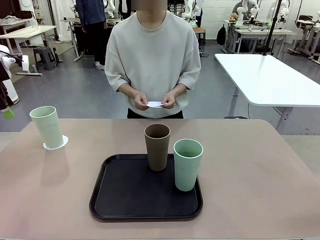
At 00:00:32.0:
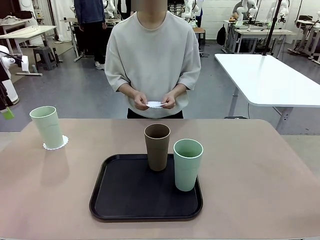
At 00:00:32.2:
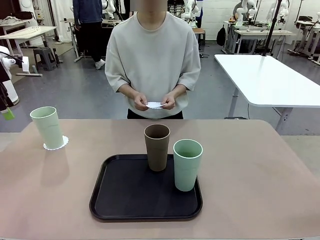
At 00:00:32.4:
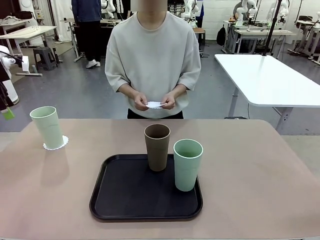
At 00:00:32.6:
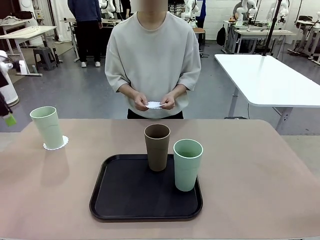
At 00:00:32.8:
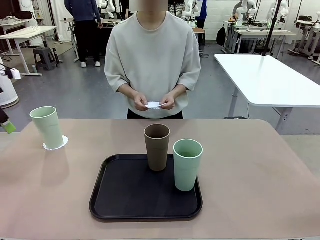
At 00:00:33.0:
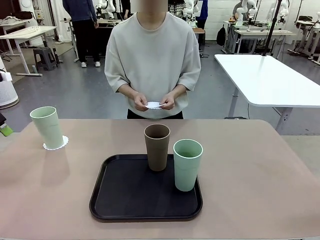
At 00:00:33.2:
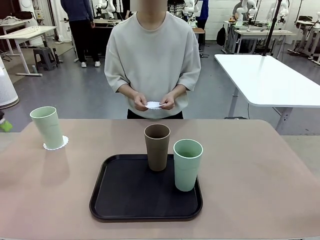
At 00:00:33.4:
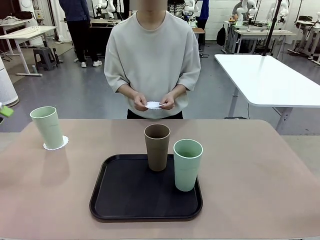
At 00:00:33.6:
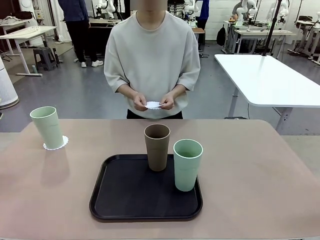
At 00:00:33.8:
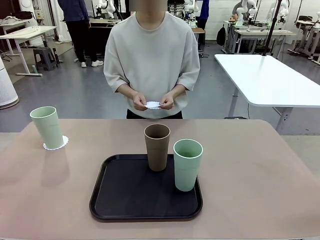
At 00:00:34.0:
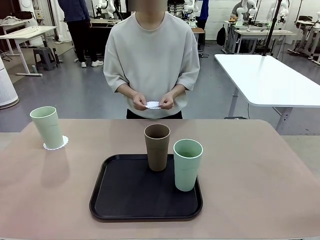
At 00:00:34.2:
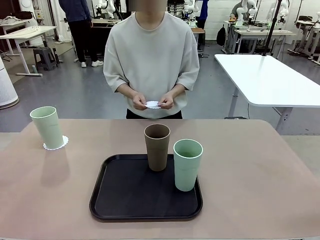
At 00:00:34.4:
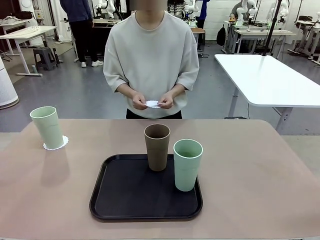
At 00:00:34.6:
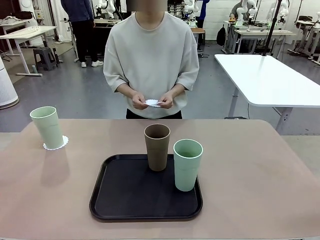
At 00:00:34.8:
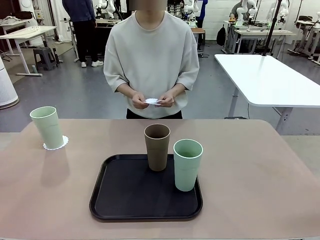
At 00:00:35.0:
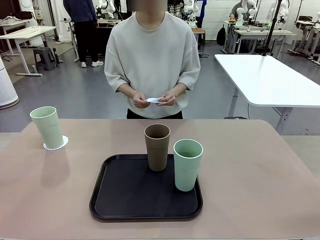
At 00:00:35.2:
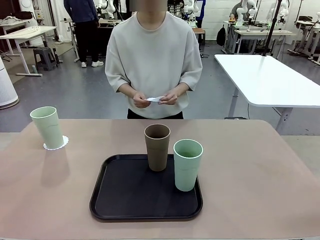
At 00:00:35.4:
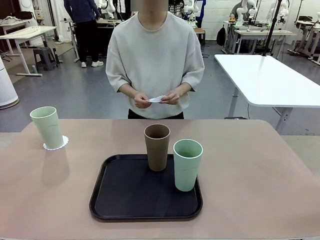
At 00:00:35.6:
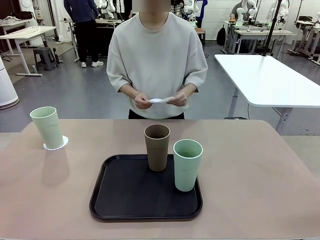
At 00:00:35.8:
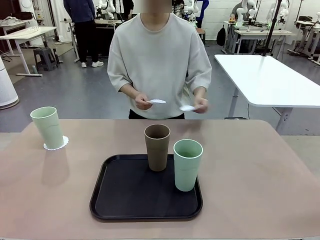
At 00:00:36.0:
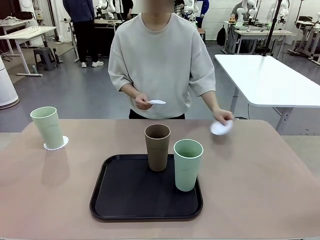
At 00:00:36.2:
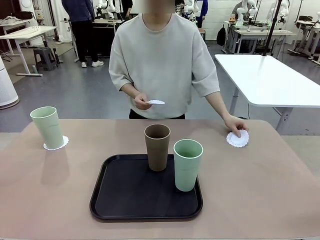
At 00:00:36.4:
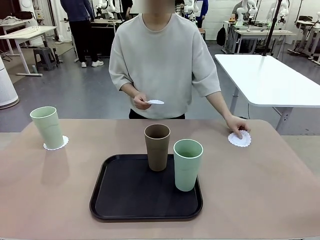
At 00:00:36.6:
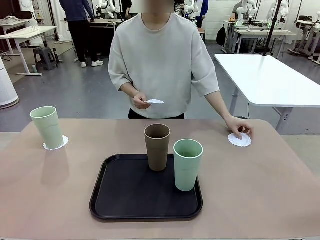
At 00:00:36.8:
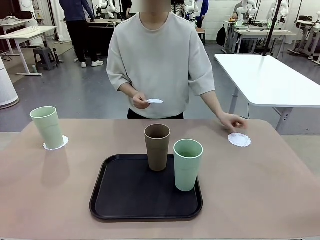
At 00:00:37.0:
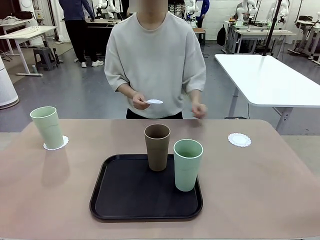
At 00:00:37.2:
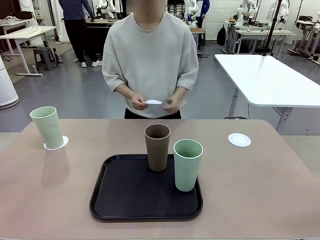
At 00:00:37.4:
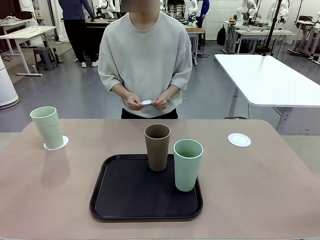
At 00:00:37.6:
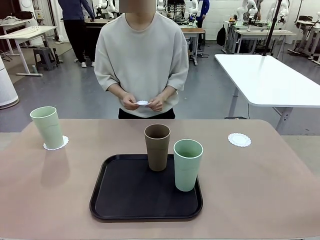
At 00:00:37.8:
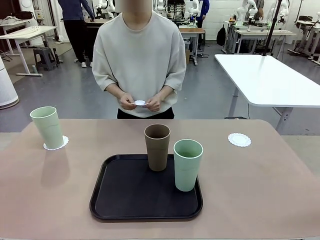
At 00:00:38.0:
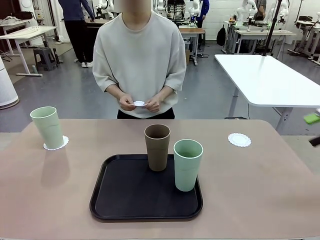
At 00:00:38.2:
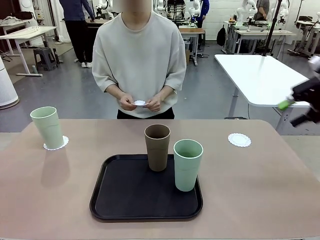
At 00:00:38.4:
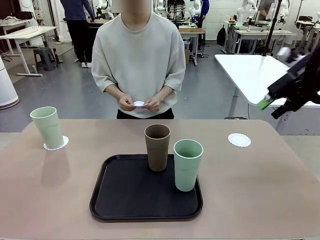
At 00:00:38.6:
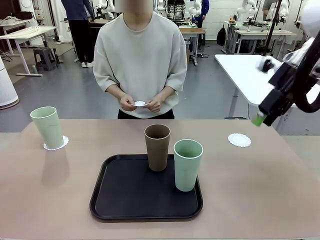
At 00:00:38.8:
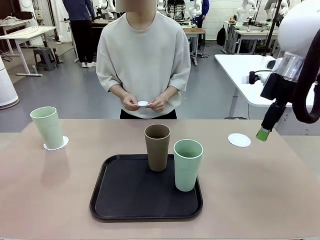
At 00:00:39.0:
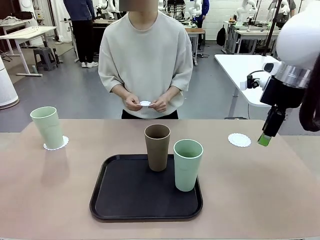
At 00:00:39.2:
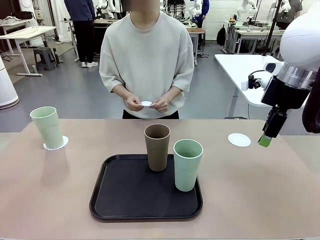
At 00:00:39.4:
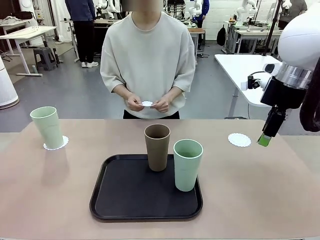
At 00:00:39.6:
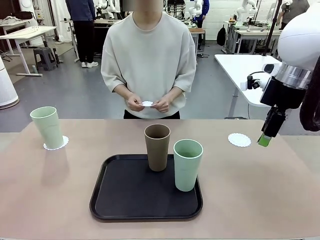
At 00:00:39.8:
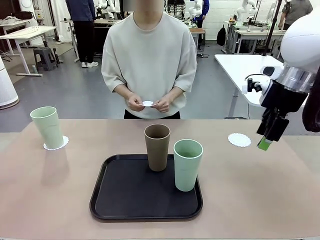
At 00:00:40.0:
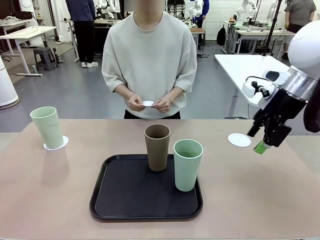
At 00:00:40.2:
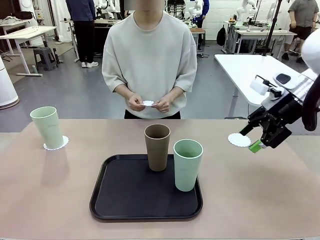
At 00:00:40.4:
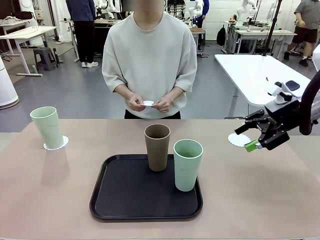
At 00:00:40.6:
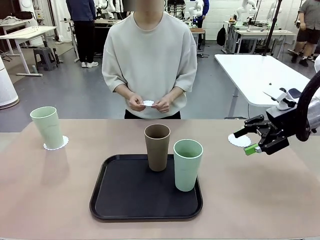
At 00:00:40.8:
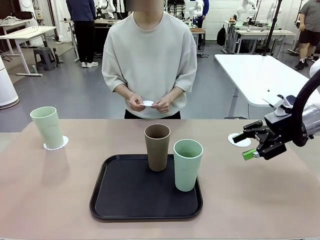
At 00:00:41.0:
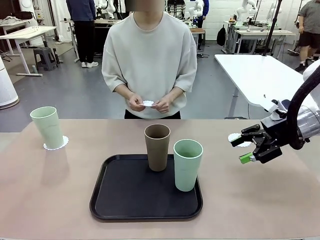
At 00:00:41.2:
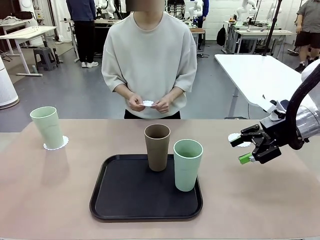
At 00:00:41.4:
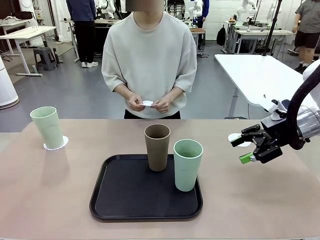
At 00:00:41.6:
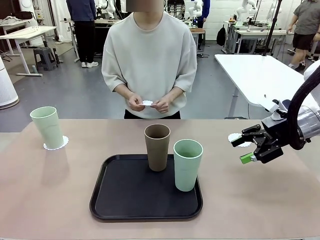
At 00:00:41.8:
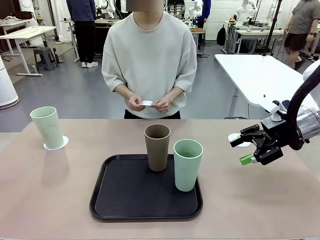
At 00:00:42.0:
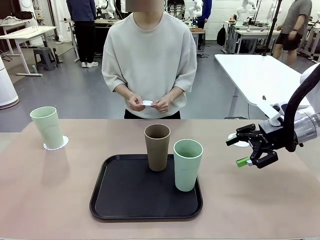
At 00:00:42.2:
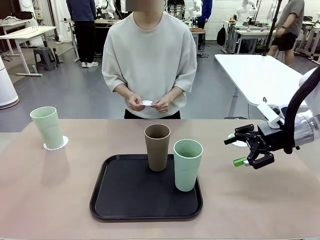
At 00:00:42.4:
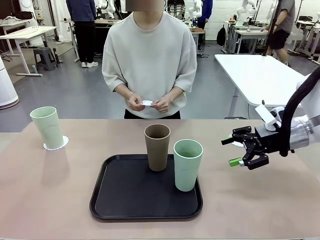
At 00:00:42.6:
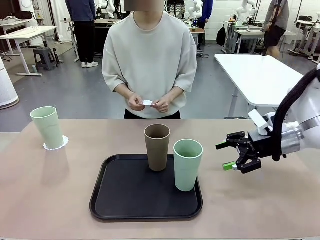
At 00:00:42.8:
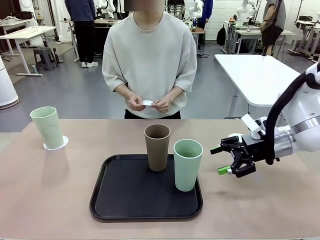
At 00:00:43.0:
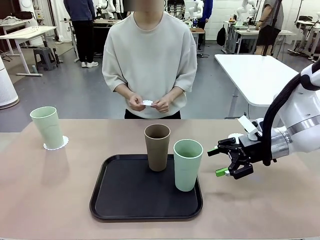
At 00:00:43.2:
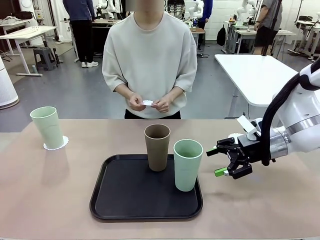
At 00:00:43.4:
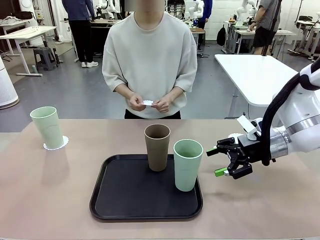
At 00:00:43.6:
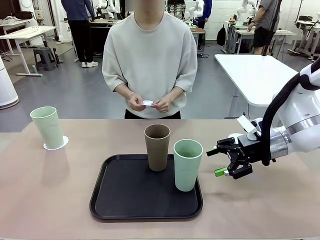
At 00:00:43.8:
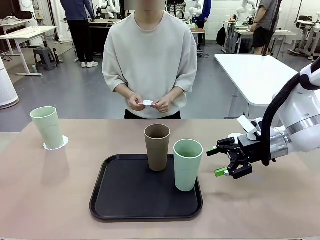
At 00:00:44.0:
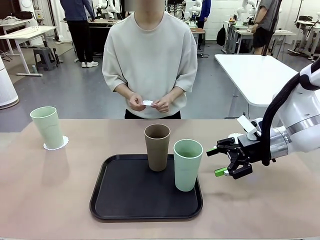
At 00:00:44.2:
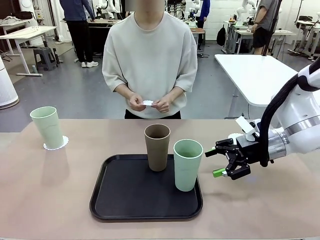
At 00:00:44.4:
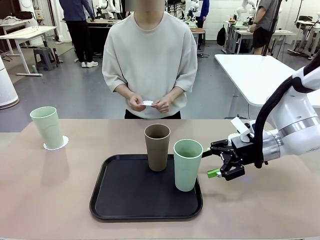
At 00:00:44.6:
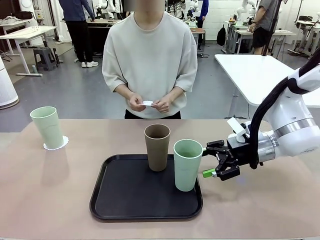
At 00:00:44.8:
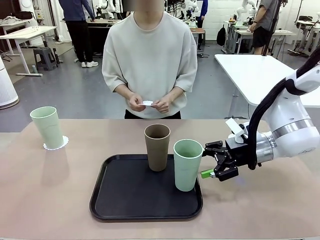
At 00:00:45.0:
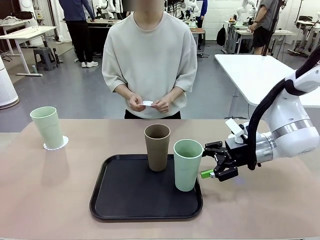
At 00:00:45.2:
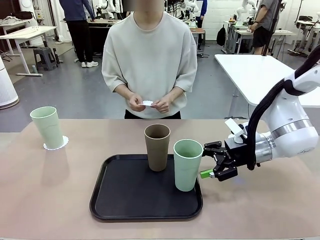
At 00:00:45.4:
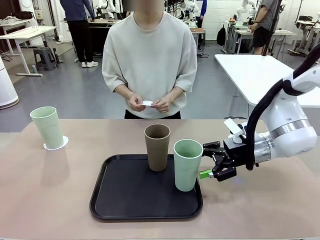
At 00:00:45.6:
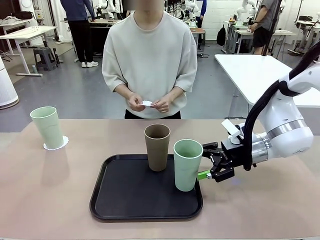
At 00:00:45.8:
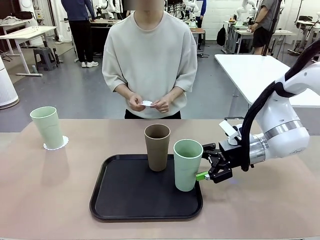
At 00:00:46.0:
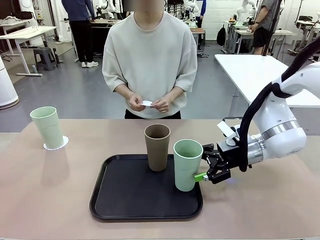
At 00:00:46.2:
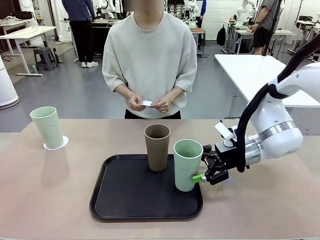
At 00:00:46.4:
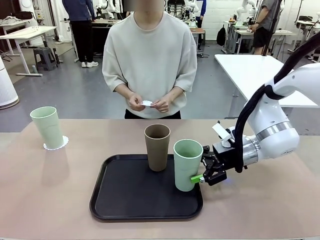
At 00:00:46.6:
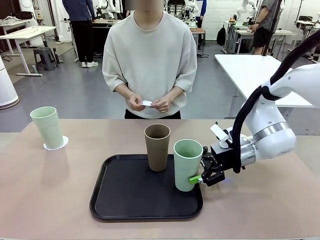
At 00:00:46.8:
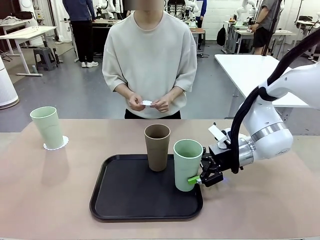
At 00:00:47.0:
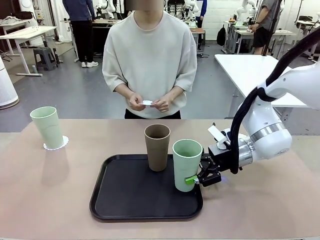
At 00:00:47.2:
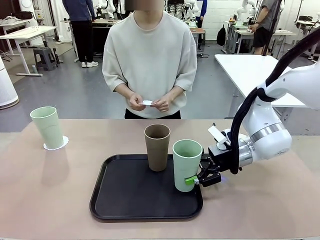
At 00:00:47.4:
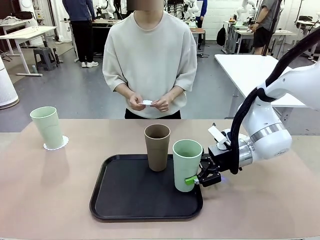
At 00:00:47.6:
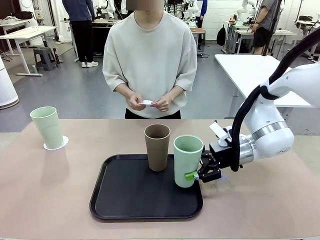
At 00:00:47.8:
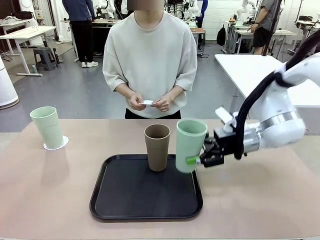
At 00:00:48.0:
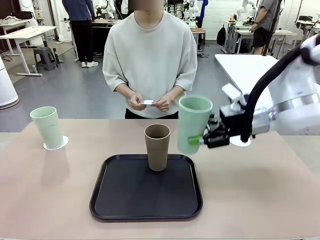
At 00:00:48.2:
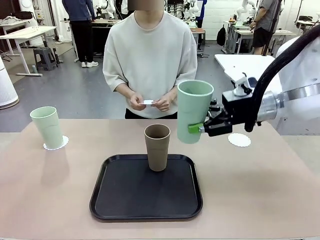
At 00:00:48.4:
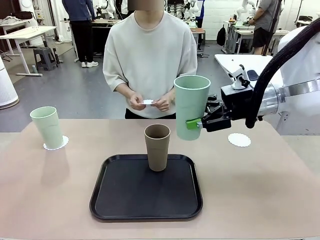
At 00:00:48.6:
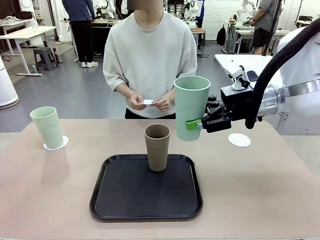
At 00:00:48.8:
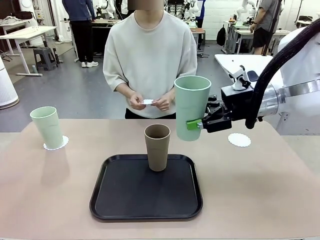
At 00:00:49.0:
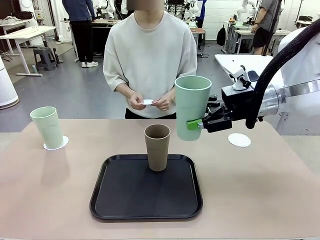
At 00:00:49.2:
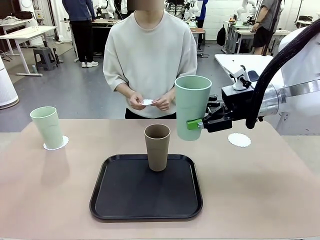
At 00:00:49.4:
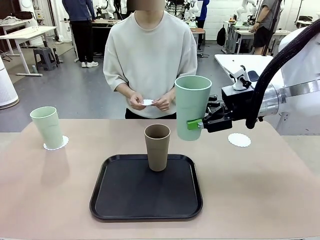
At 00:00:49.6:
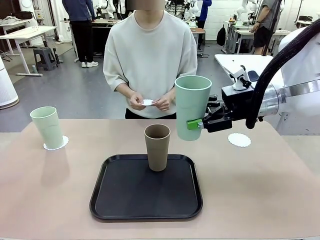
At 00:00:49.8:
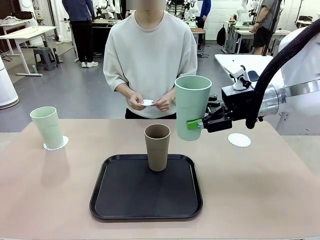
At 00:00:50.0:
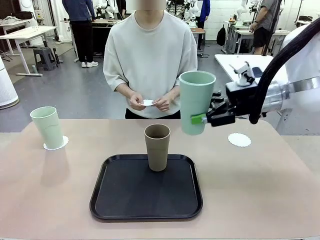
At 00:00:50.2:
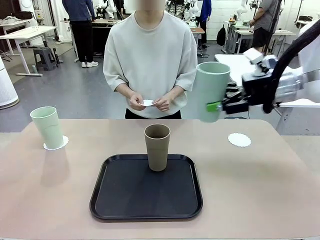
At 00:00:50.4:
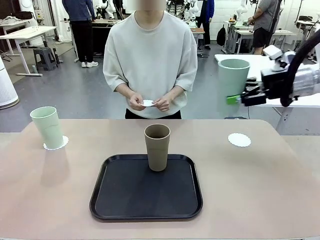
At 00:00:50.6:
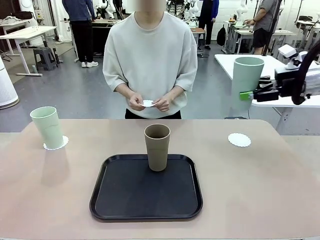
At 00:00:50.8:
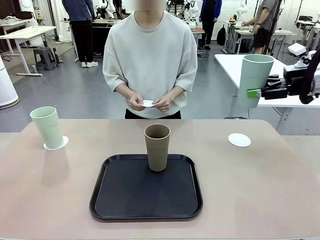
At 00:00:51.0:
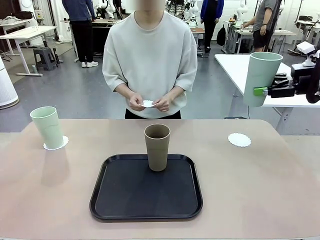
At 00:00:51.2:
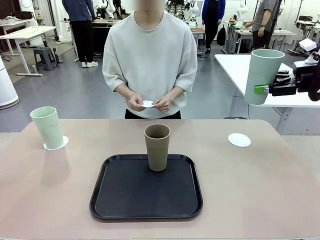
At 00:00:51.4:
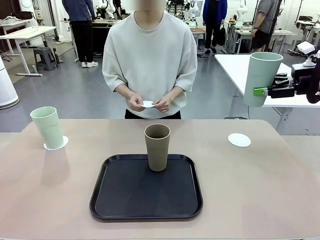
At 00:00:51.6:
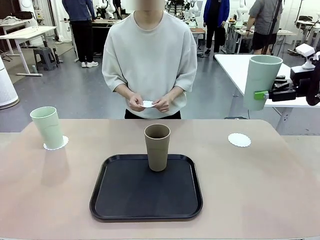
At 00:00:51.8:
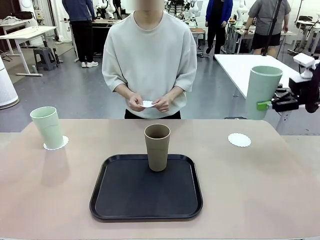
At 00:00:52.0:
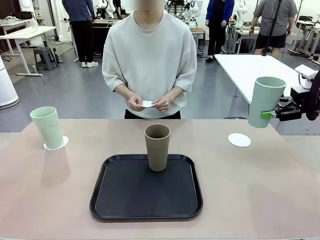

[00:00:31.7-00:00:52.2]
Task: Place coasters on the table and set cups on them.
Robot: Take one Reusable plastic cup from the Flat Tray and place it on a coaster set by the human.
